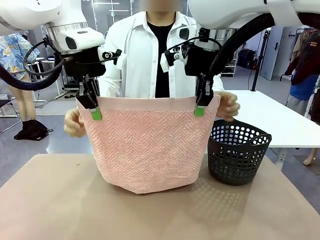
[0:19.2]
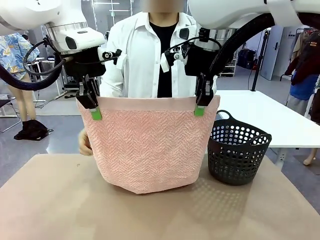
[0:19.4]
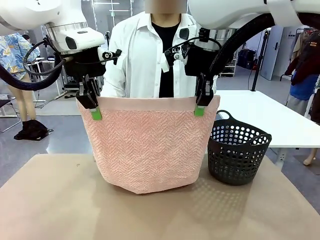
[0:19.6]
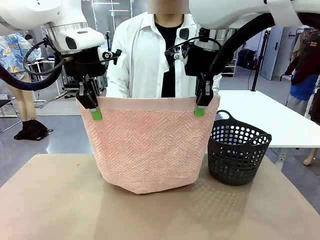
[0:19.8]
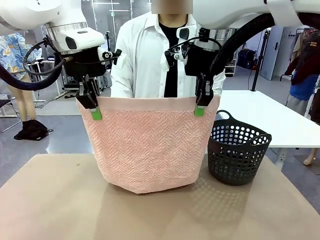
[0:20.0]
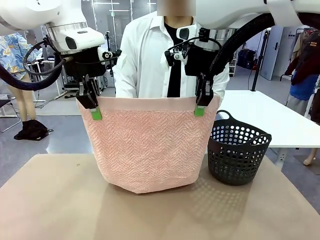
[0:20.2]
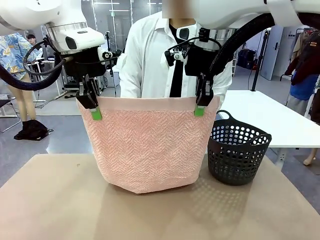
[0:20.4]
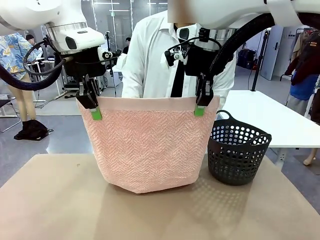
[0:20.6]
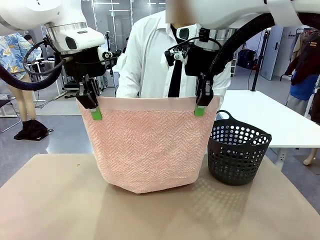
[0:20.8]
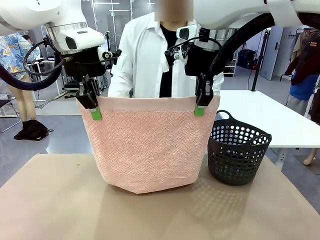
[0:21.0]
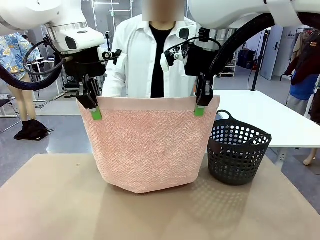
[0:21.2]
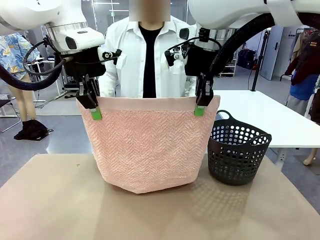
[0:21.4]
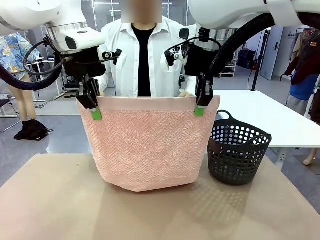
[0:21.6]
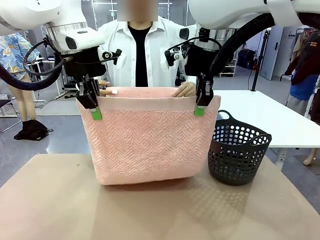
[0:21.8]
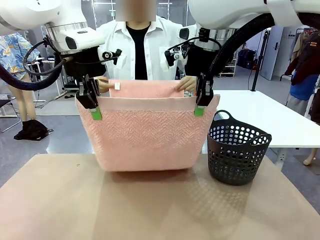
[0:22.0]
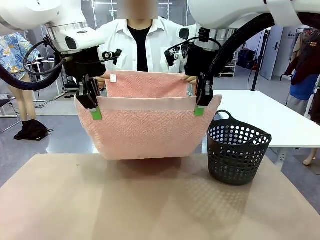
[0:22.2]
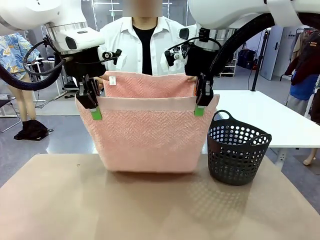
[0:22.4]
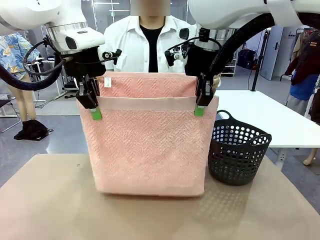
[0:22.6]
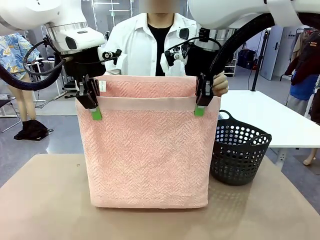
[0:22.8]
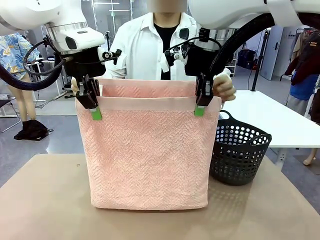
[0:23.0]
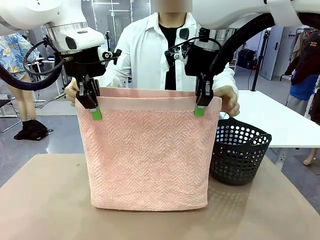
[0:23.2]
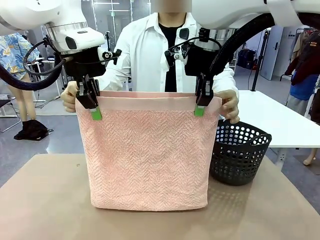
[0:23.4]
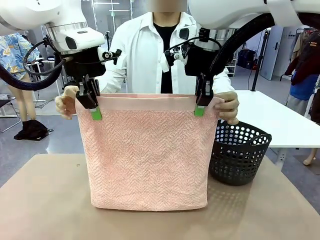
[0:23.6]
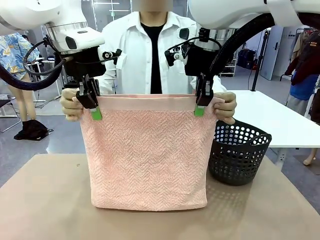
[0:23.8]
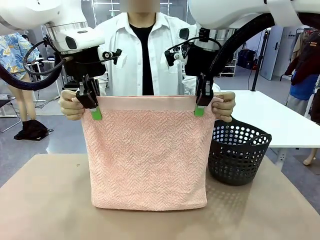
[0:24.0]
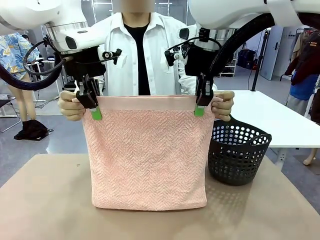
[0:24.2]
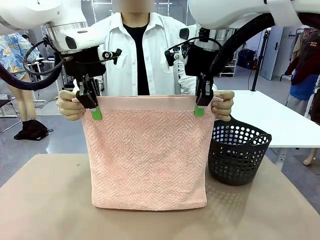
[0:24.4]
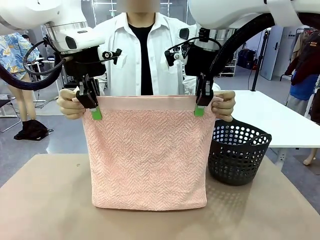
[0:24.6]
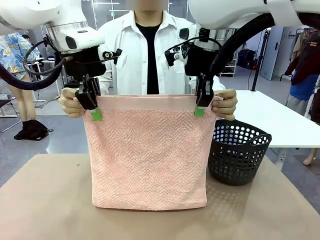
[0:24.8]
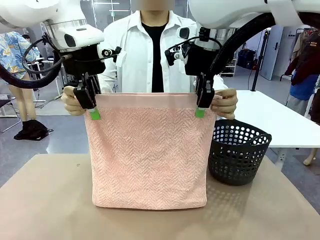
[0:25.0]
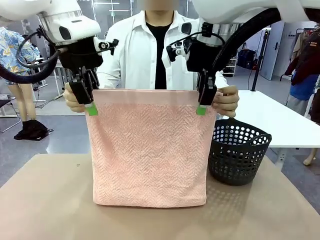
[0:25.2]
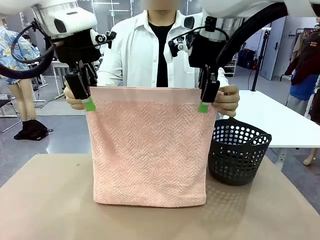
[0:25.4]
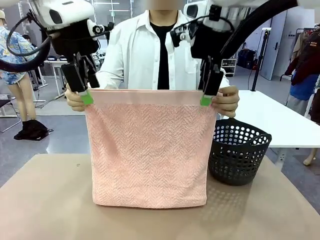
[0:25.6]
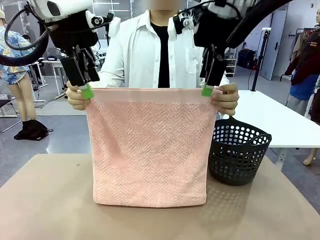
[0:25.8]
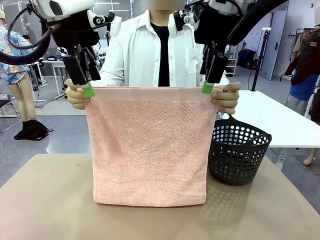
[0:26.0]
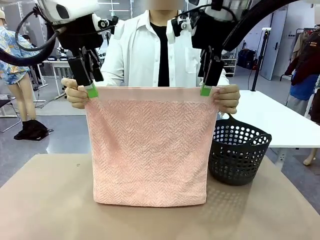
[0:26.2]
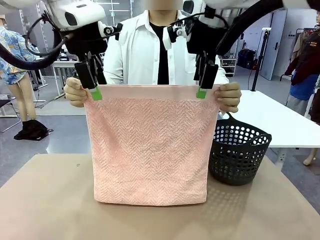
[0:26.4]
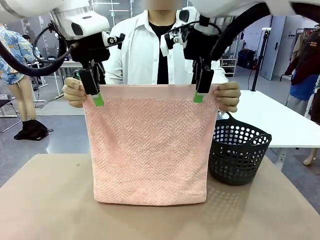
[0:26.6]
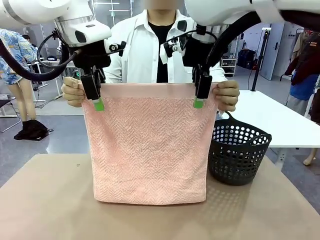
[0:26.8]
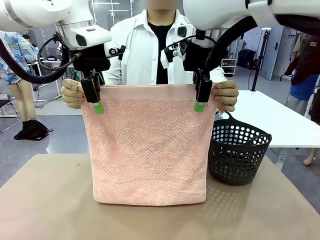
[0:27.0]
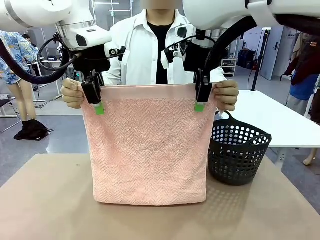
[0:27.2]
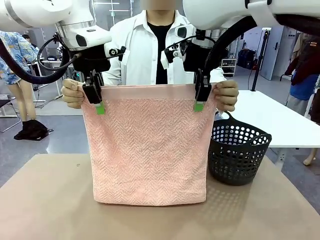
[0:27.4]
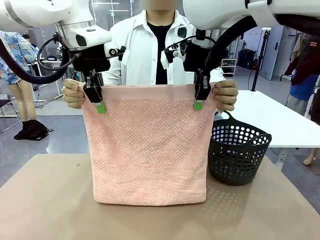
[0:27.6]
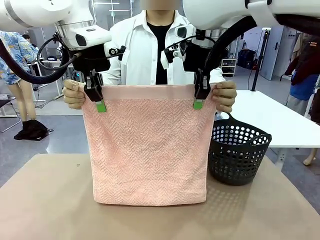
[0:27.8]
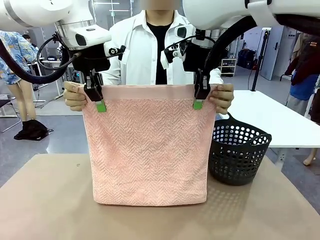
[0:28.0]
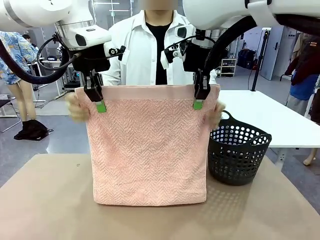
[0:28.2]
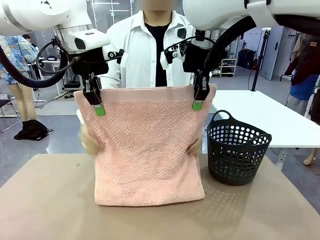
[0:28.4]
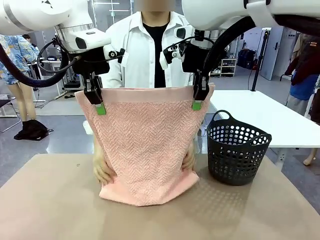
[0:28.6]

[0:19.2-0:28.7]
Task: Fold the towel.
Robot: Release the end of the 100 cm Hotel Towel you were holding and grab the top end of the folded side.

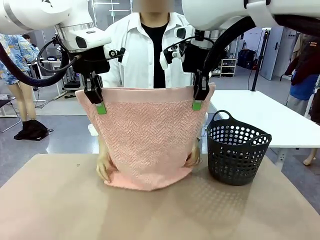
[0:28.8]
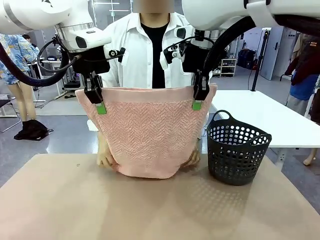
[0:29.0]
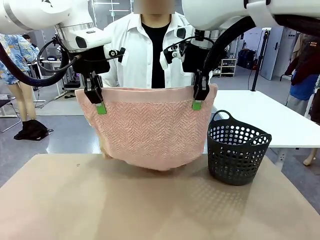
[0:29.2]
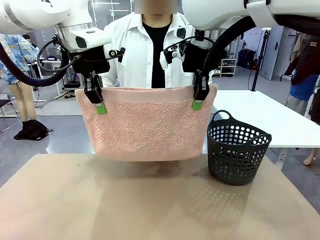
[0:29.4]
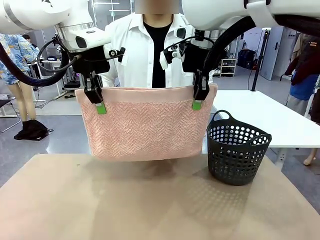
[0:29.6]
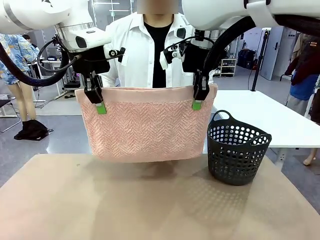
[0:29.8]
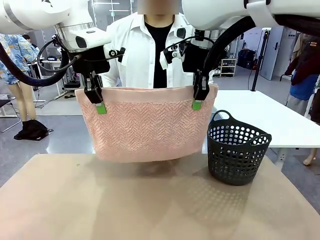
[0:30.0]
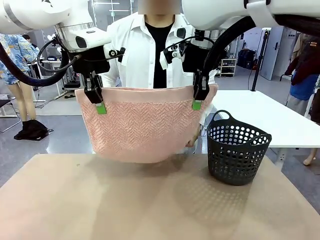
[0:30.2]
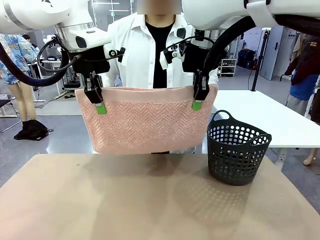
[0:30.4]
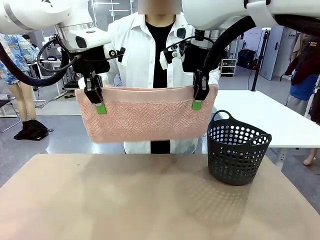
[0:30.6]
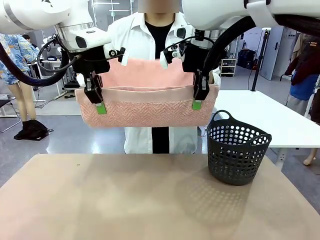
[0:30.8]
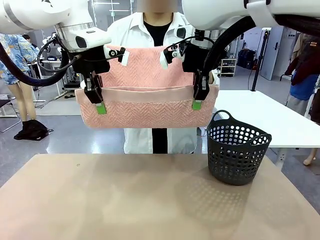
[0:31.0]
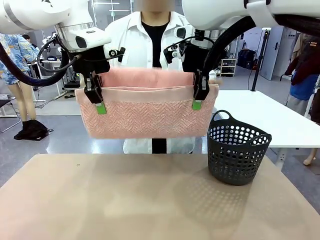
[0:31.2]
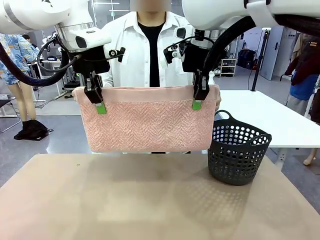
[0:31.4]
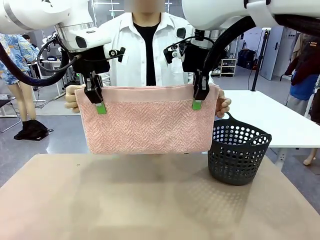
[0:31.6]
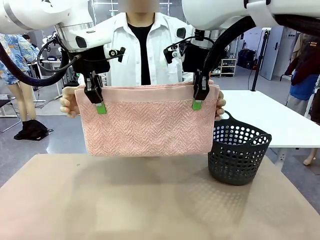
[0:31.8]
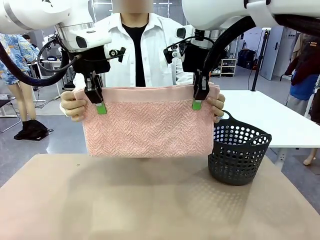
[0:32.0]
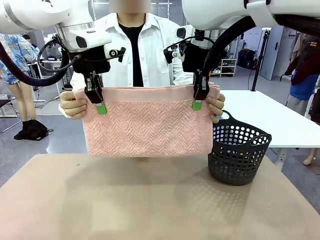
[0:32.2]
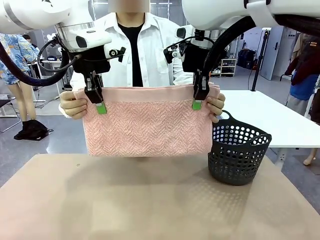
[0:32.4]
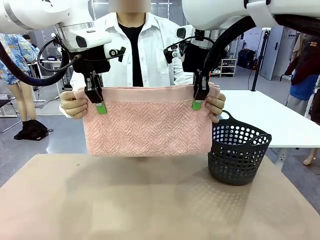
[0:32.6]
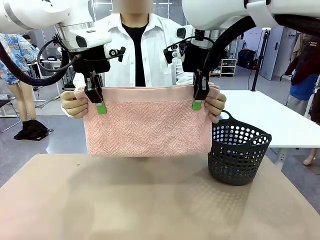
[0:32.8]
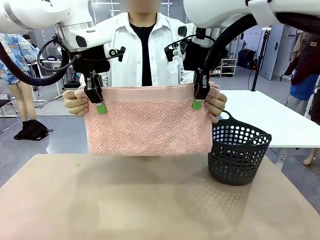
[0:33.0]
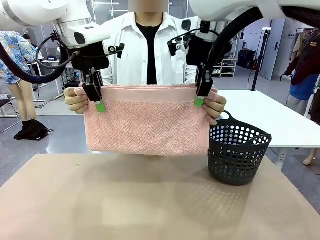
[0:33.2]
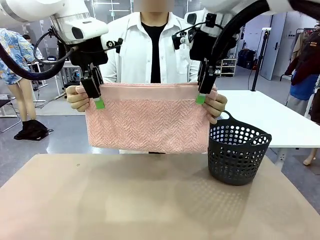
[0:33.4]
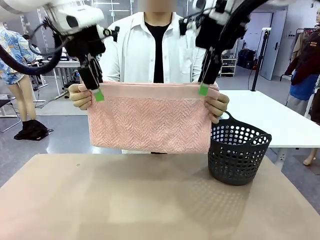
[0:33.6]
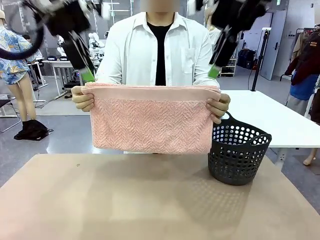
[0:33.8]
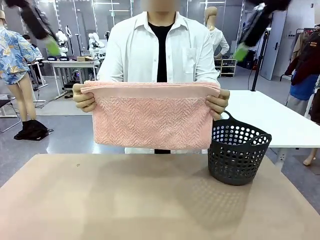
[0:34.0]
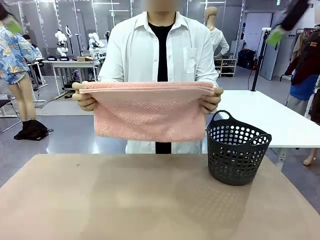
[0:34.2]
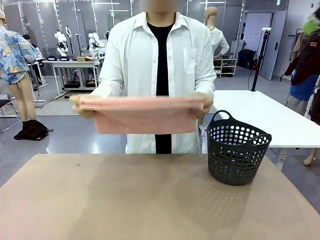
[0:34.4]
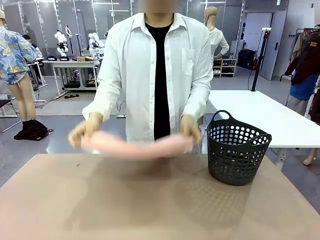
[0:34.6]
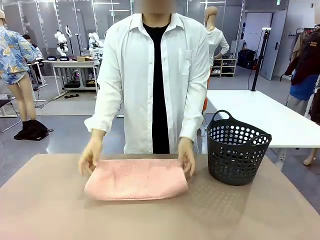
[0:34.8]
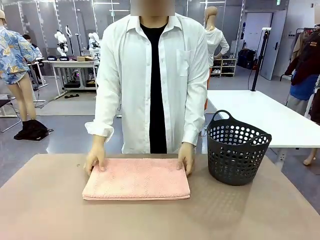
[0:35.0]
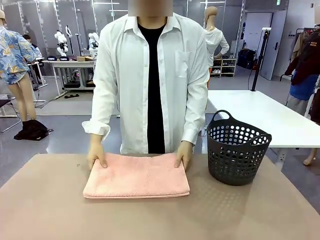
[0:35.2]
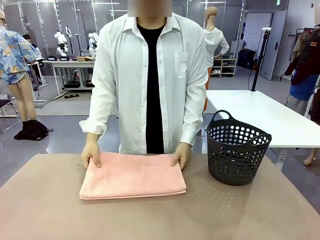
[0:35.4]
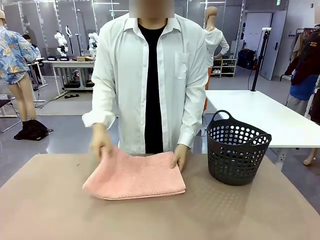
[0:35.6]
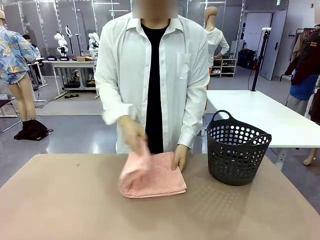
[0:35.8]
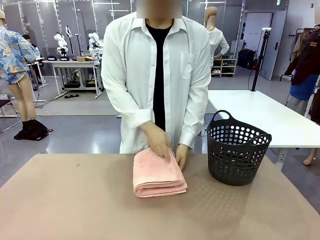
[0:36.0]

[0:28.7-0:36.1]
Robot: Release the end of the 100 cm Hotel Towel you were holding.
Person: Place the towel at the center of the robot table and fold it in half.
